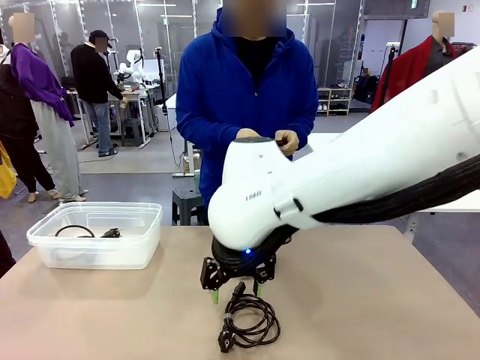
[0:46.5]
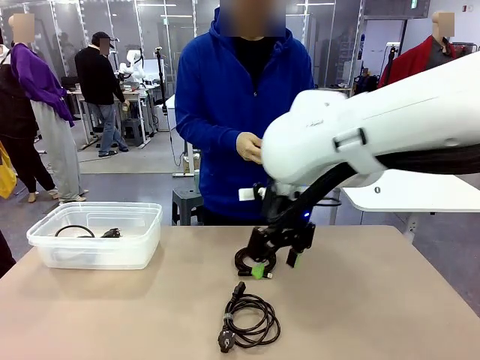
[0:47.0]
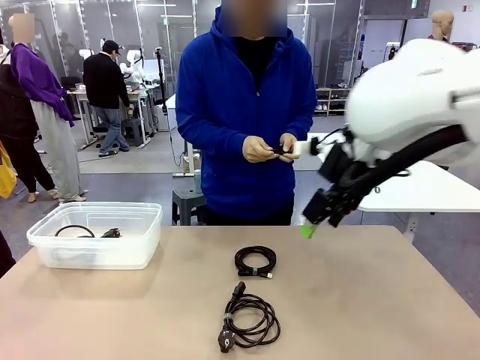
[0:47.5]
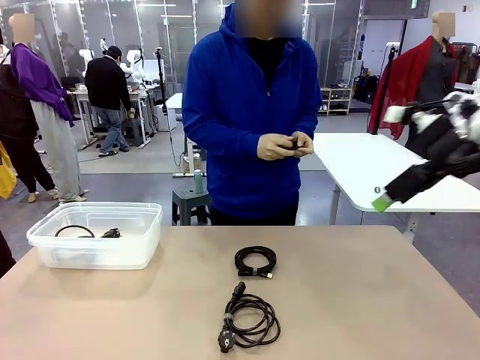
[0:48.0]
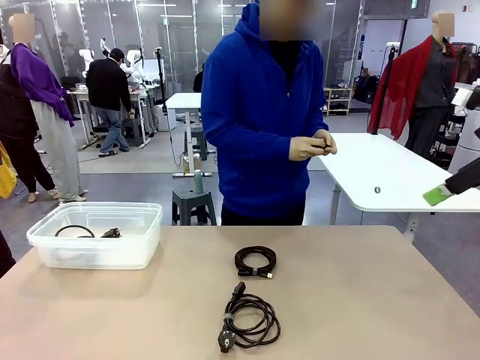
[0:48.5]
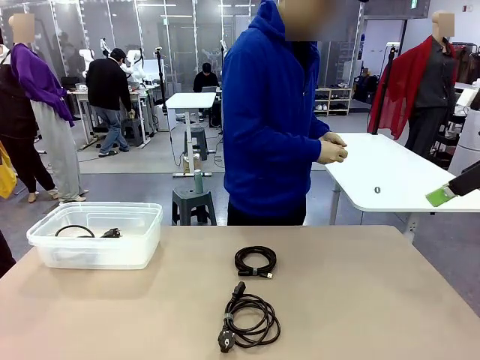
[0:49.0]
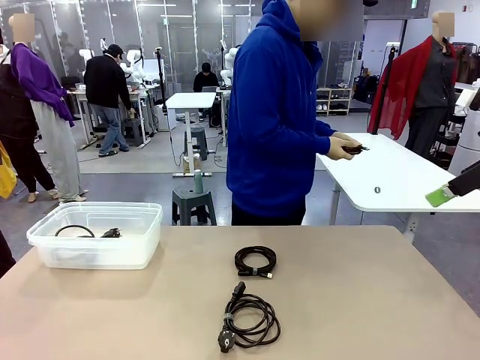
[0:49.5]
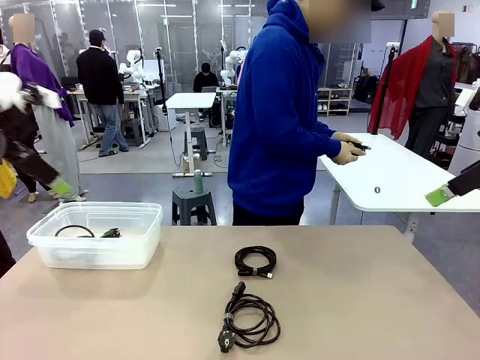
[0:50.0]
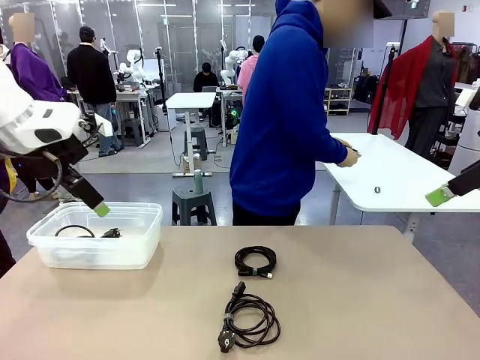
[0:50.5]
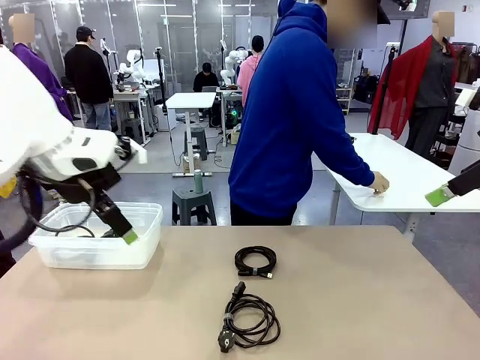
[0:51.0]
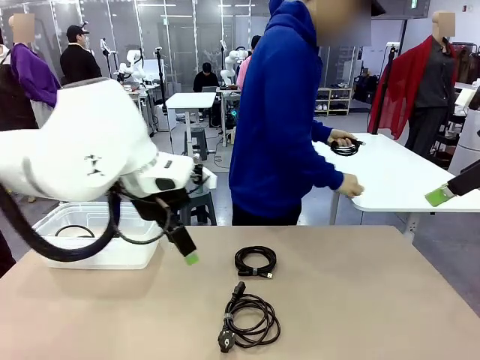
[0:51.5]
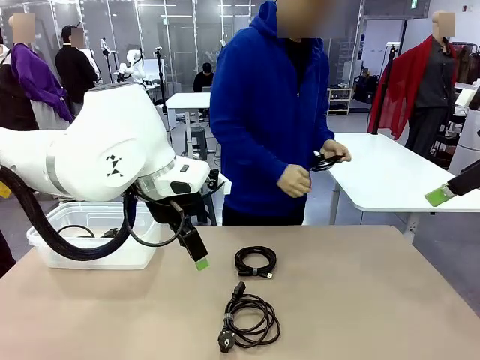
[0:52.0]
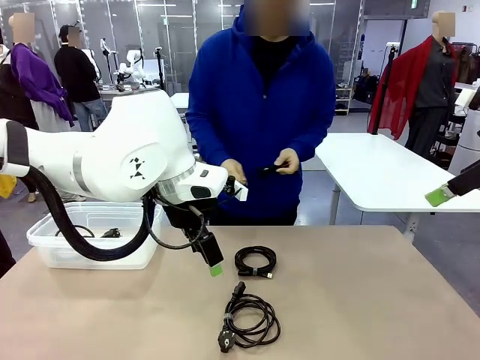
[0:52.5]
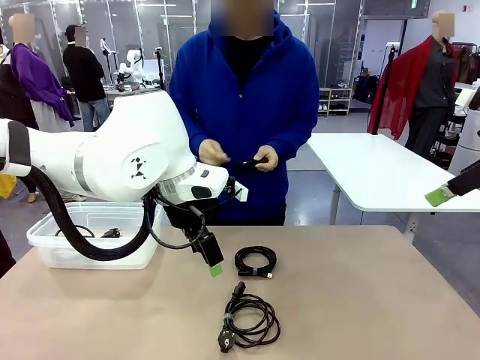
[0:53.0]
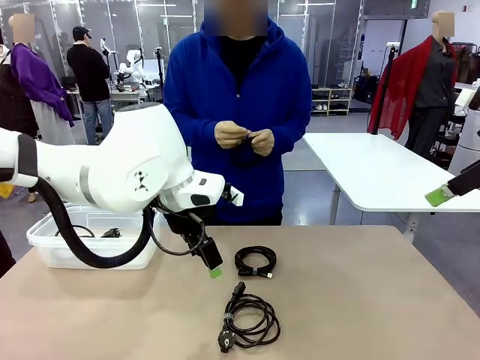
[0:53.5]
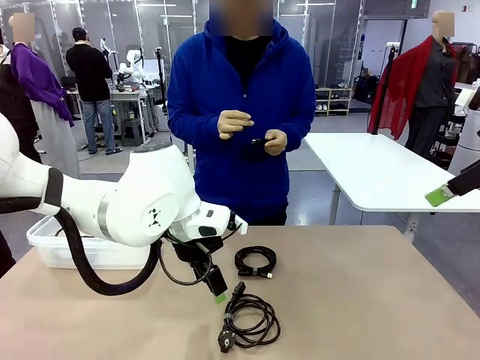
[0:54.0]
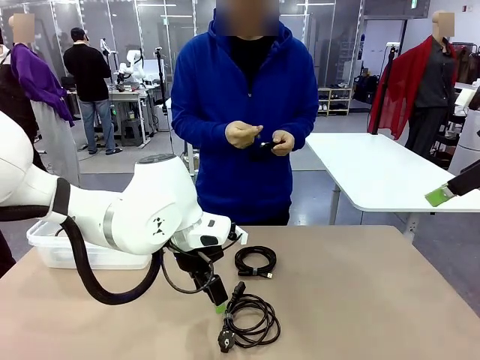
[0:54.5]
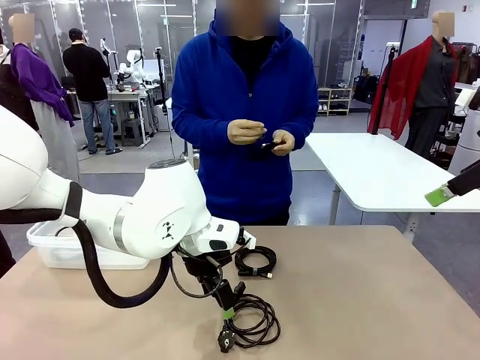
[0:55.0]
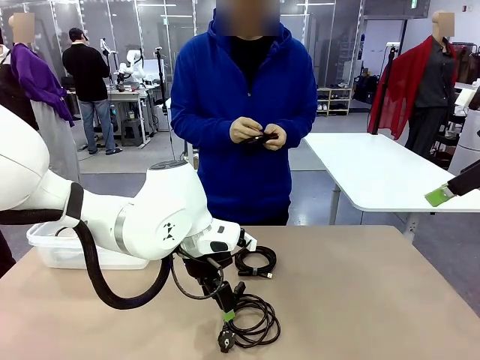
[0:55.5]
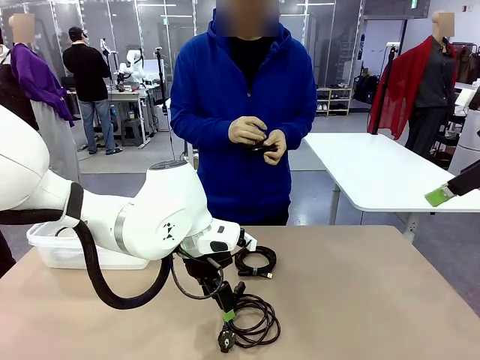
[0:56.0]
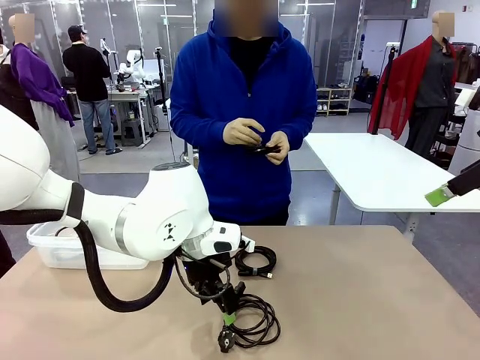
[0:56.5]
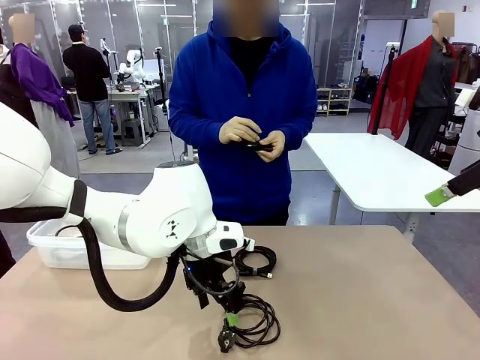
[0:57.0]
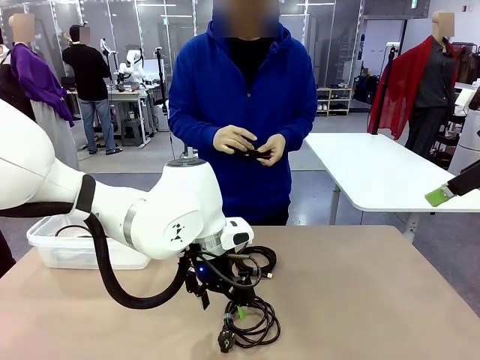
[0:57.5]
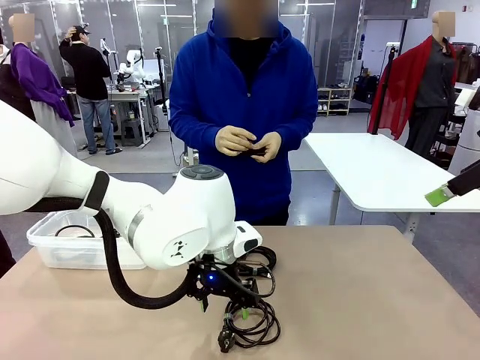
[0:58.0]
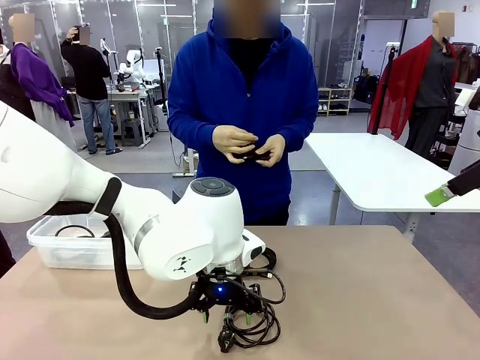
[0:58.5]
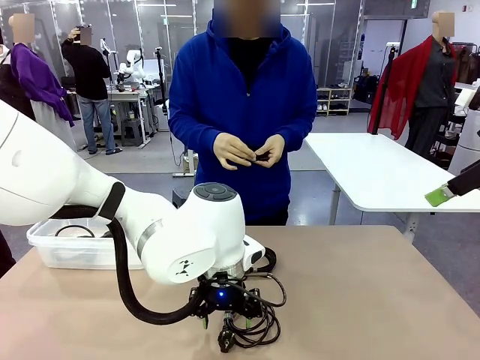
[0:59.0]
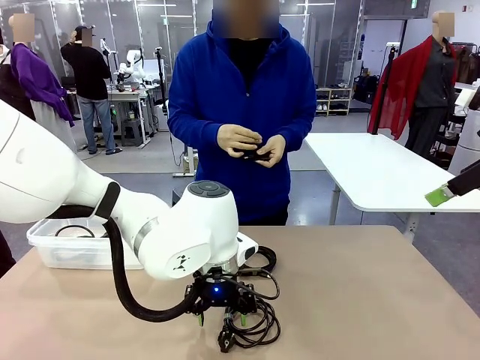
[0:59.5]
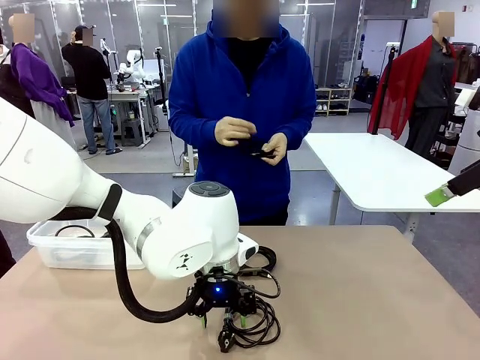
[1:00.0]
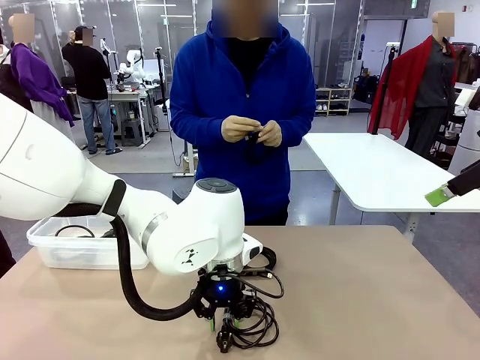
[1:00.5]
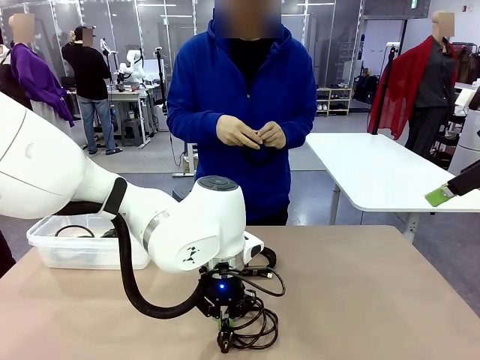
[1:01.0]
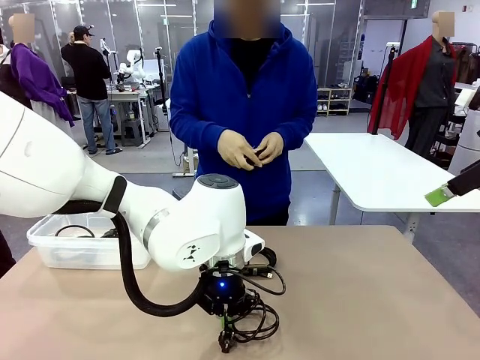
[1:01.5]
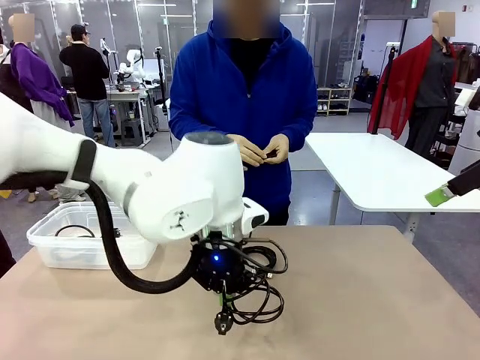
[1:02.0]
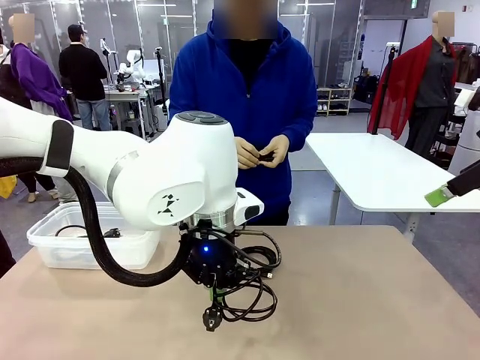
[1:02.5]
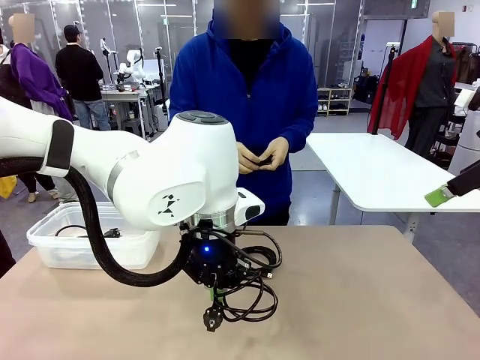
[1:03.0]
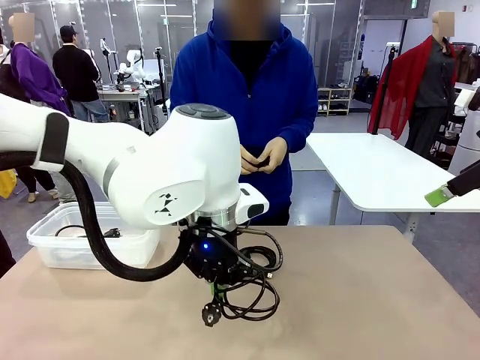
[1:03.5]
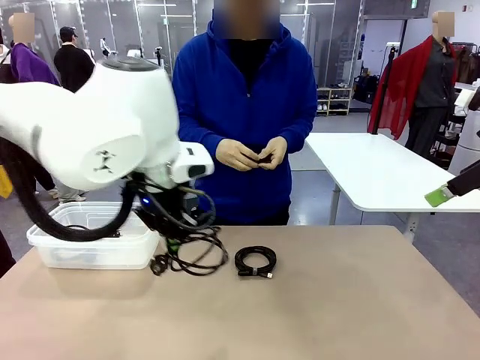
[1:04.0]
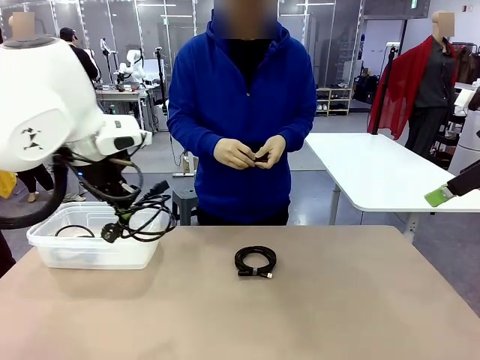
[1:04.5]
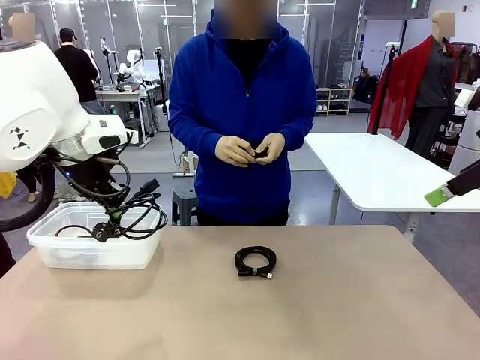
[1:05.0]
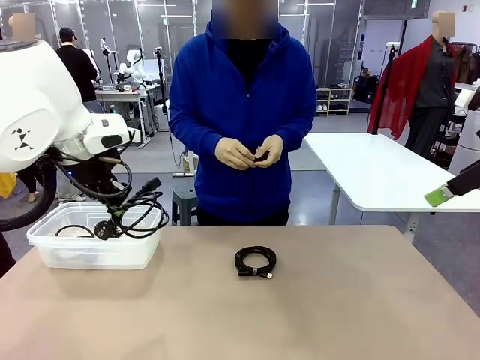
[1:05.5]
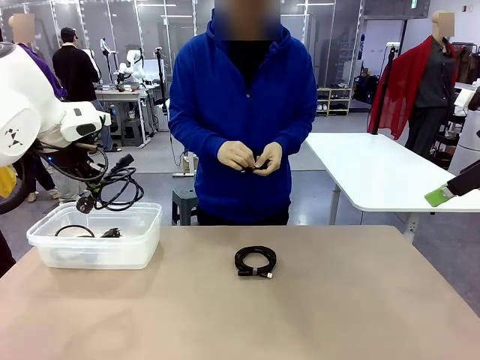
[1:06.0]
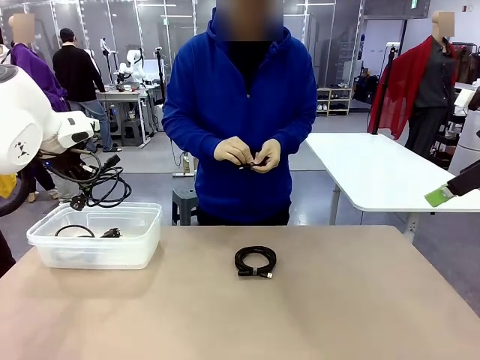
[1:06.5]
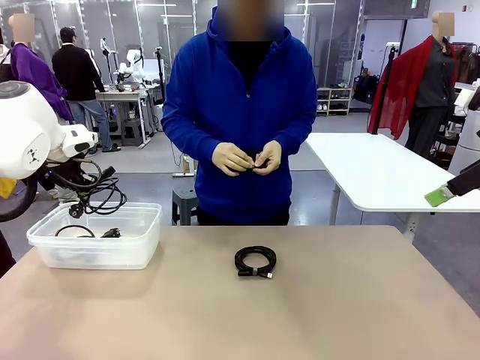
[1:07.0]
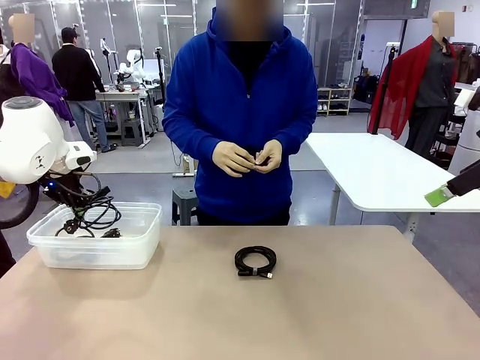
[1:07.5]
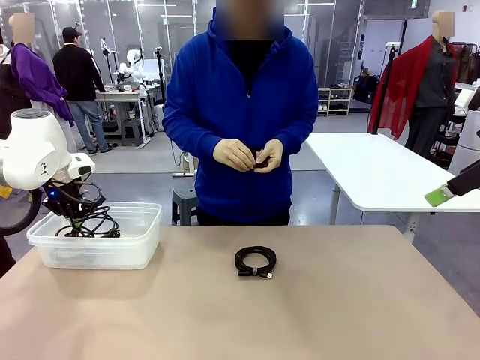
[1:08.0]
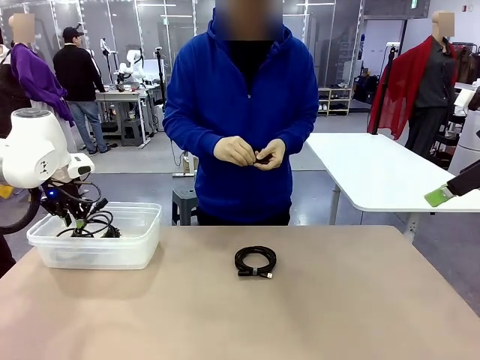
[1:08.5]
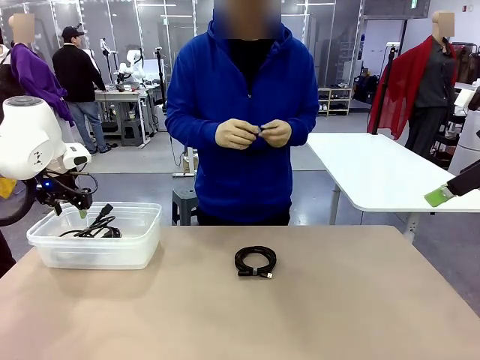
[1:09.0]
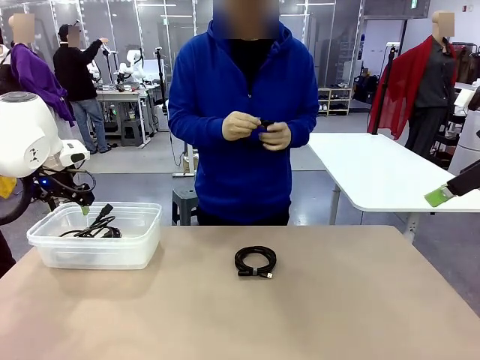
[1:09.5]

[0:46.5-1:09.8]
Task: Organize and store the cables.
Robot: Place the Power Cable into the Organizing box.
